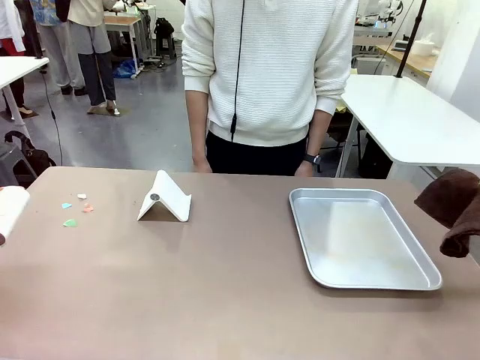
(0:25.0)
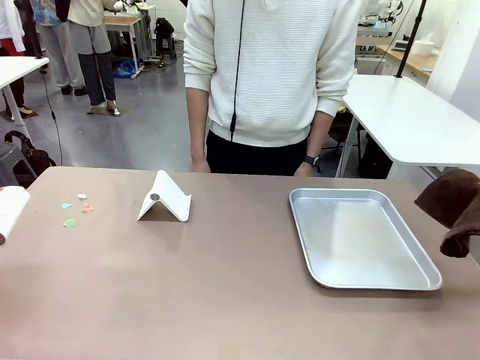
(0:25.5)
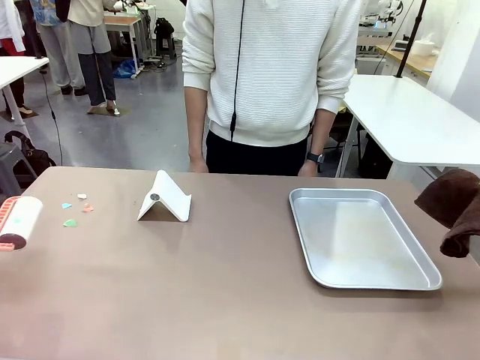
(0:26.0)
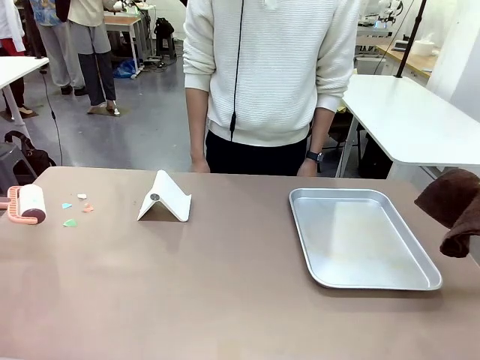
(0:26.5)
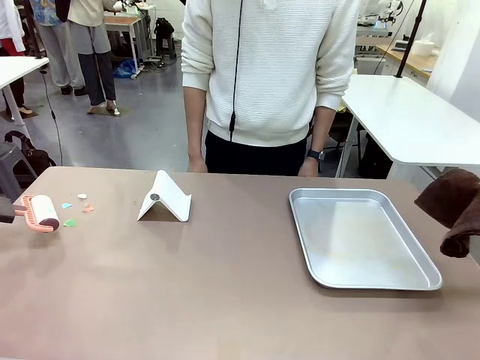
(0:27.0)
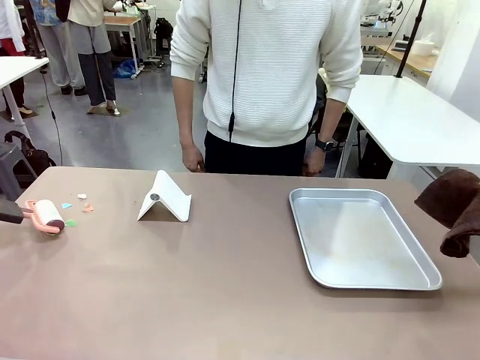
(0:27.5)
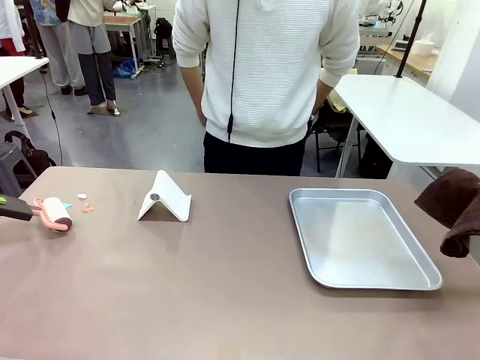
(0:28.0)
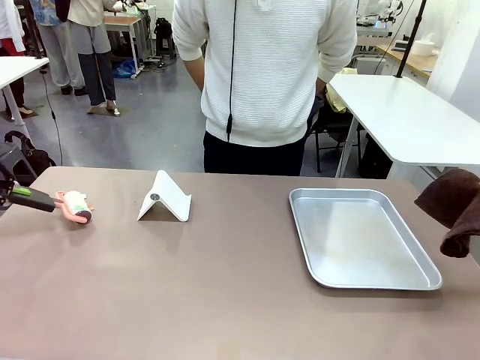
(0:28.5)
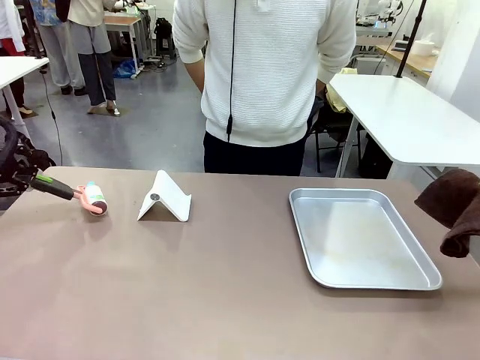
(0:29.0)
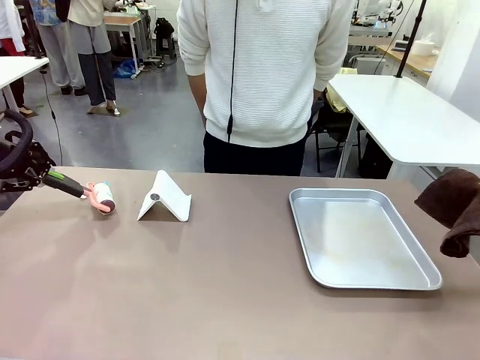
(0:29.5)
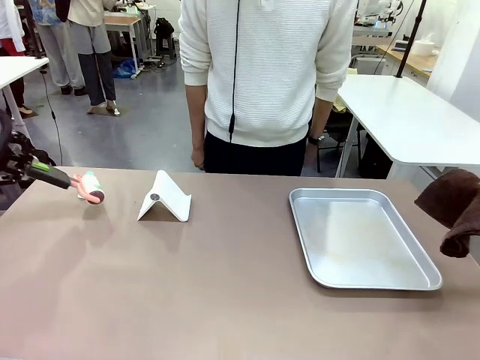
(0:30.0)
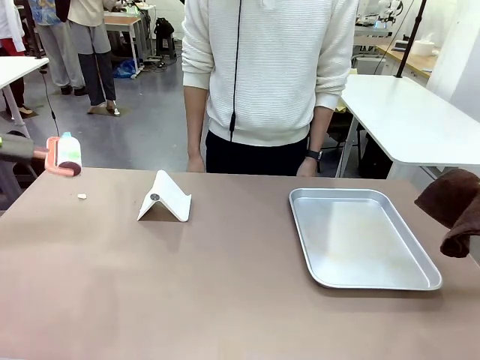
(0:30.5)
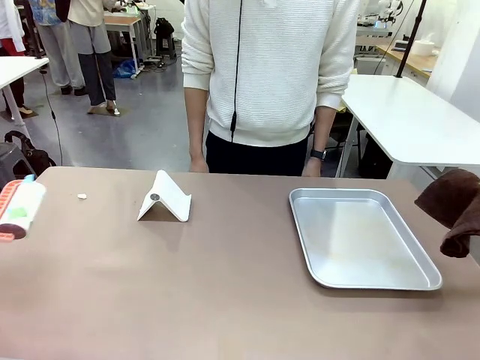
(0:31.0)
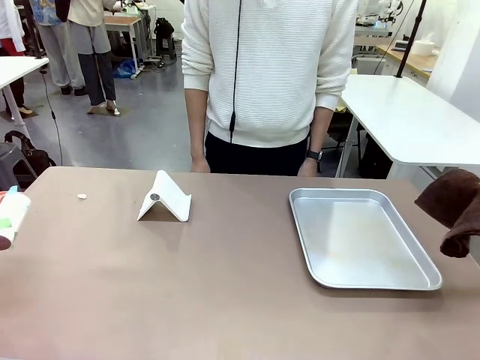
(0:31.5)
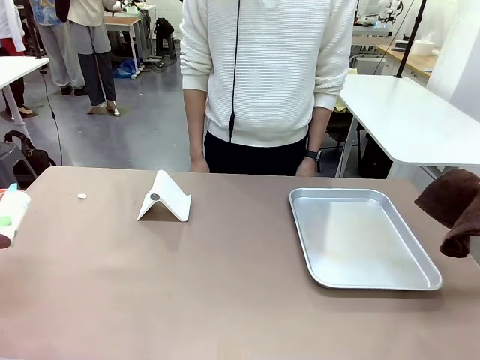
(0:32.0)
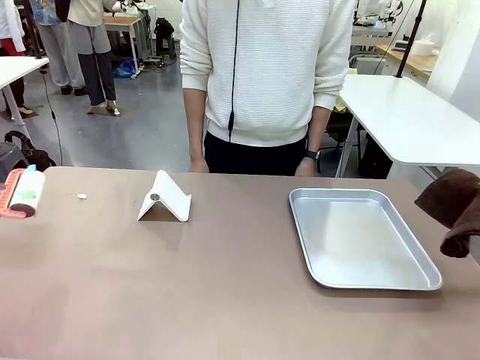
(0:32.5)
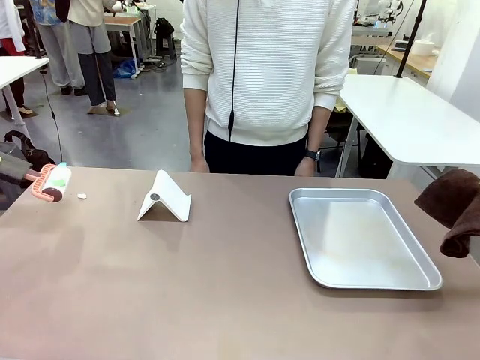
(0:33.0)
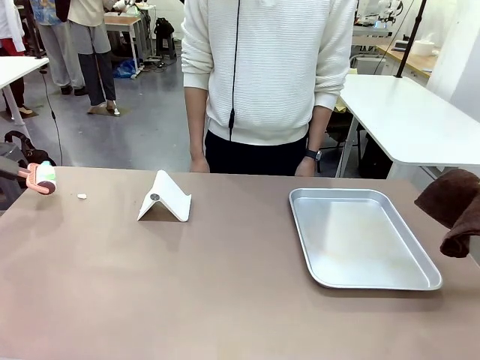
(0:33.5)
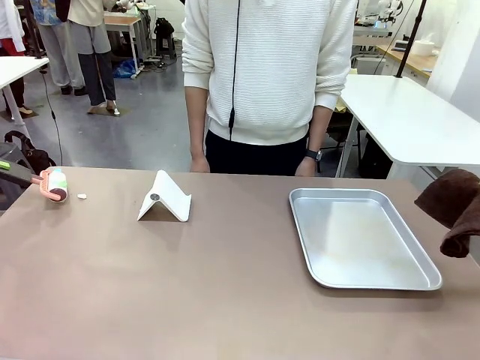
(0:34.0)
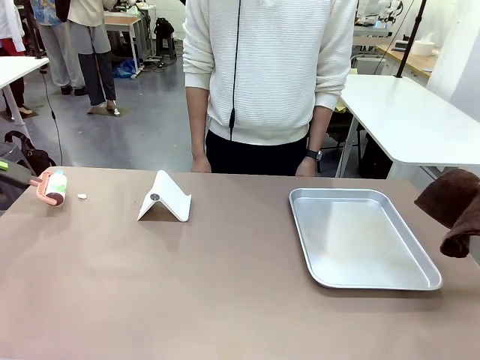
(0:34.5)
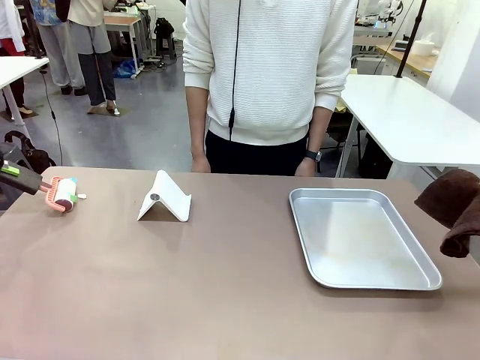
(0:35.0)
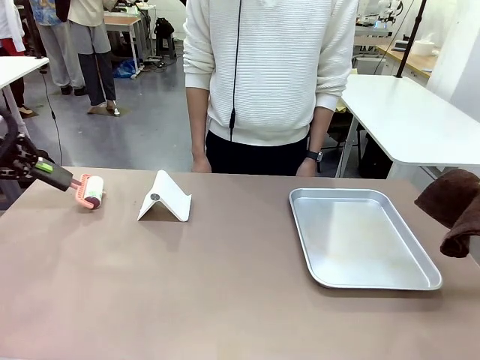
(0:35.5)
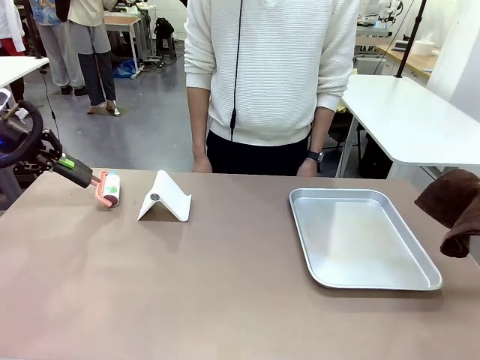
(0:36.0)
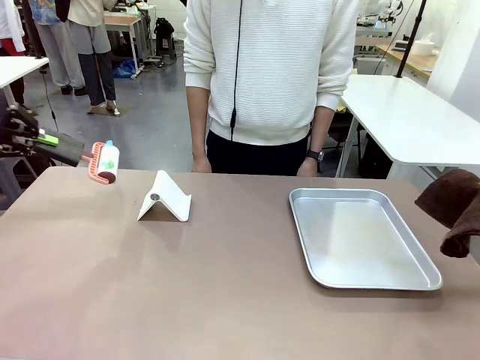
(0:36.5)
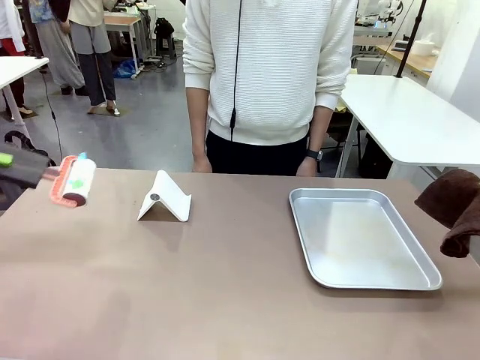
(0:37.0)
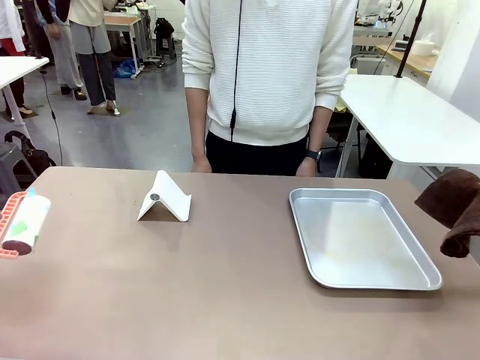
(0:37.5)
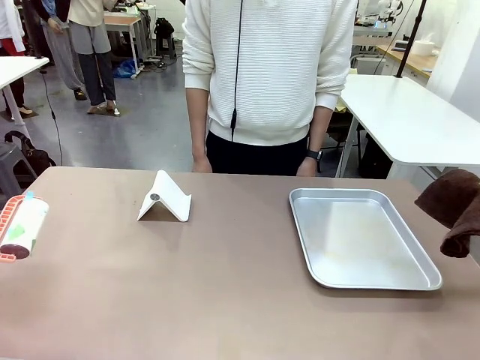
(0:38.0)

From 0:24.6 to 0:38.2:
Task: Clean the surface of the table.
Robot: Clean the area not pointed to by the person.

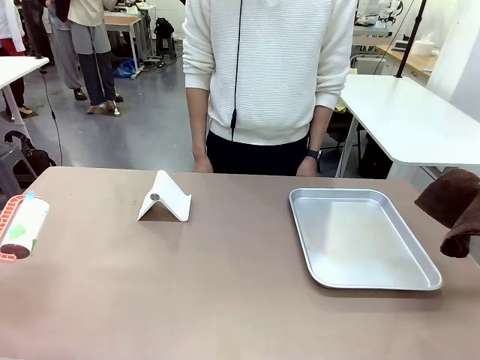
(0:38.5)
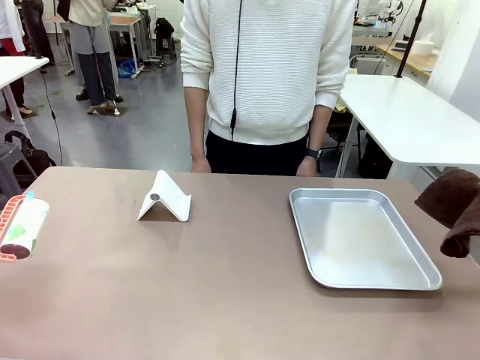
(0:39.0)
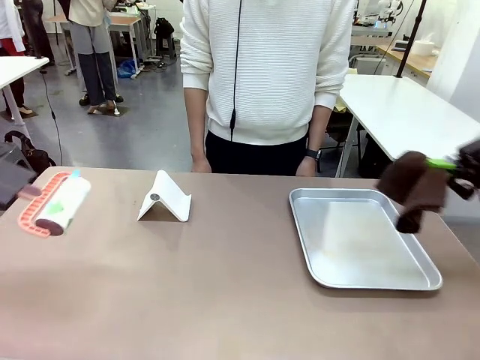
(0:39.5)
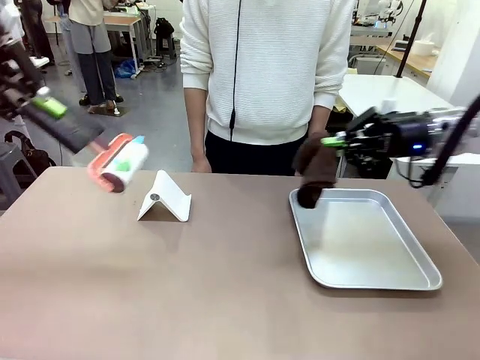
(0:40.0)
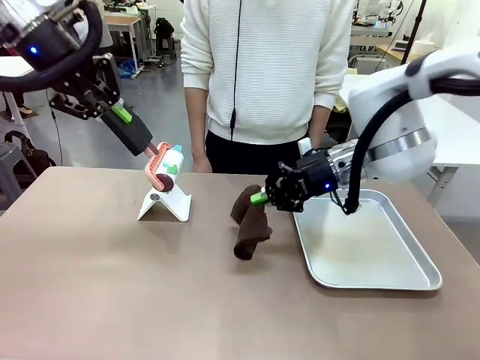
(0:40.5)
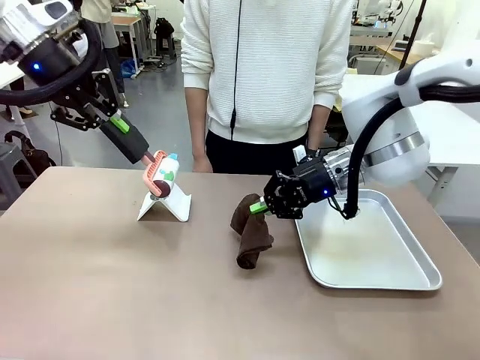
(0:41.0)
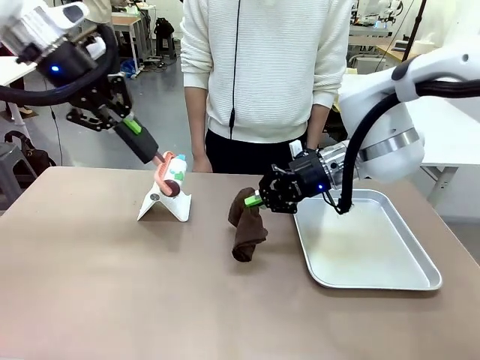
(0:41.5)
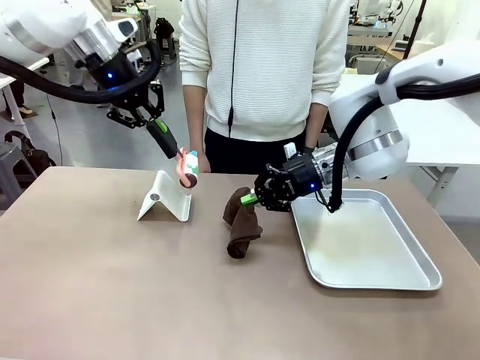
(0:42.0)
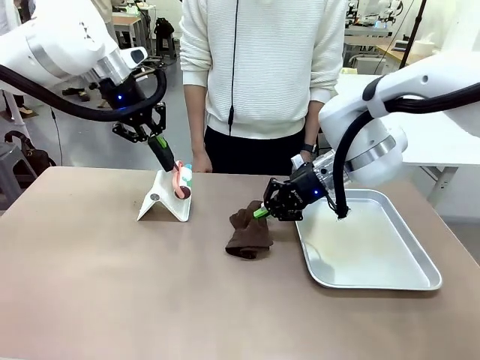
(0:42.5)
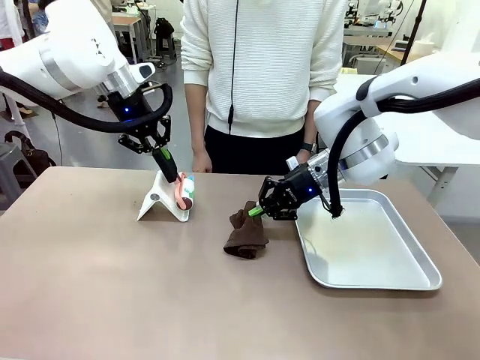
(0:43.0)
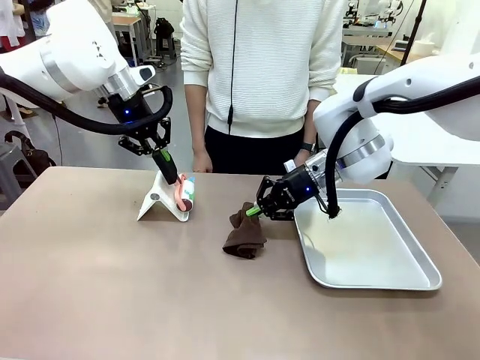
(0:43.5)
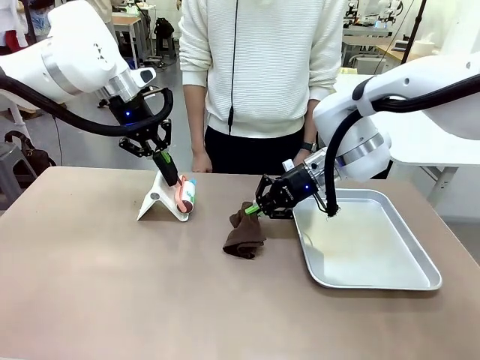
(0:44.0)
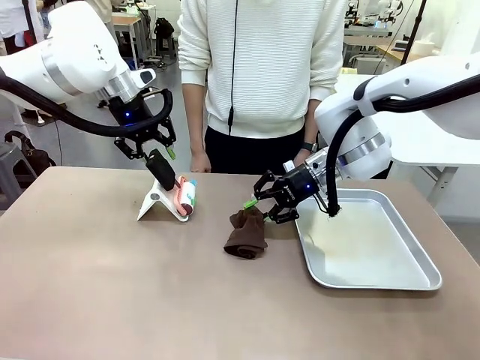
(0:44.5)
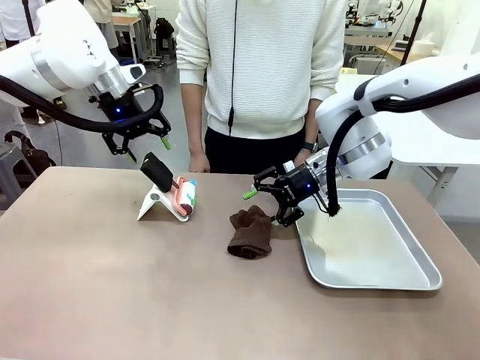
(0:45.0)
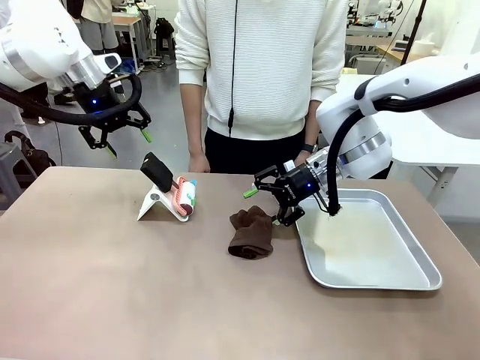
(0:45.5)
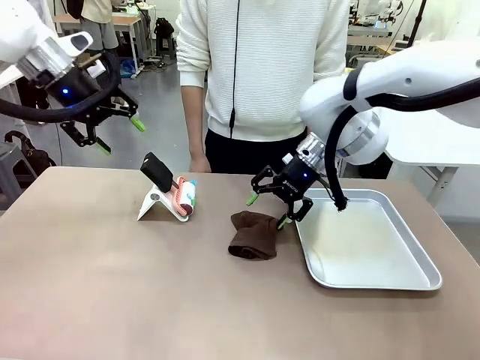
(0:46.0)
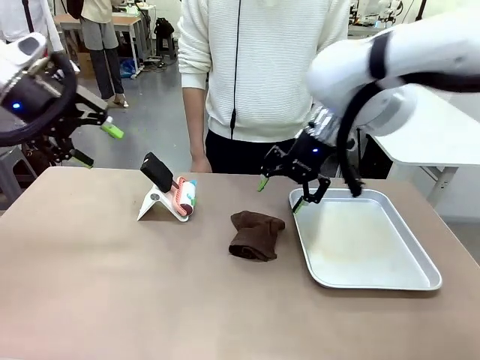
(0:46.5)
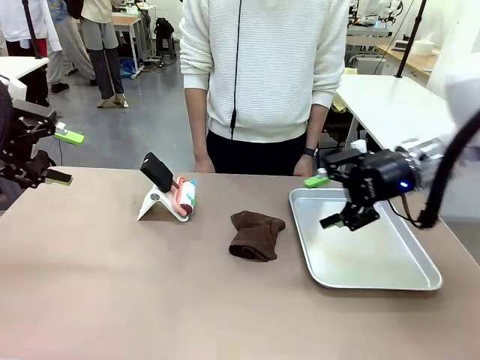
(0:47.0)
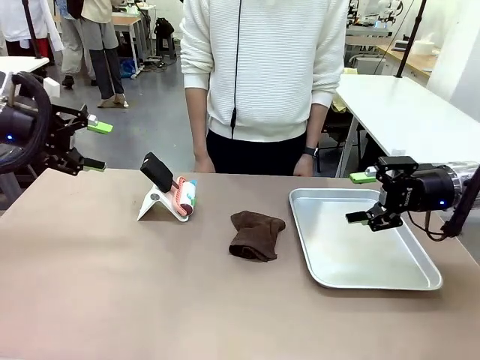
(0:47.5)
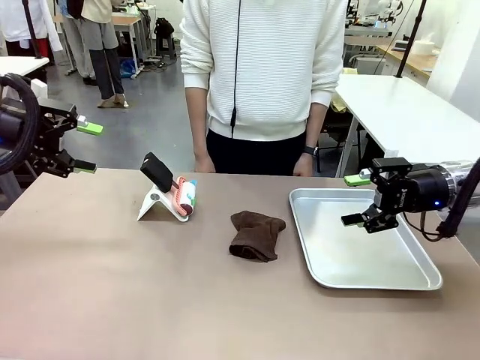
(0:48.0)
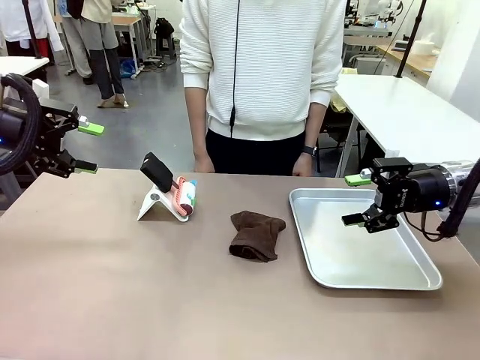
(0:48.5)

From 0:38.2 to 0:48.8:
Robot: Return the Lint Roller and towel to their original positions.

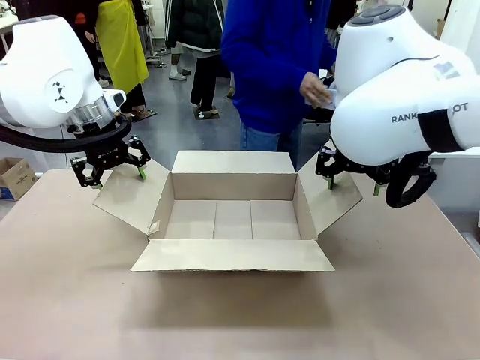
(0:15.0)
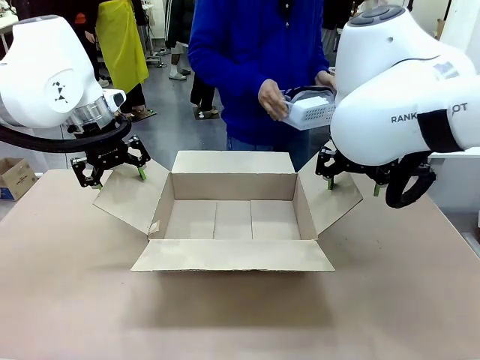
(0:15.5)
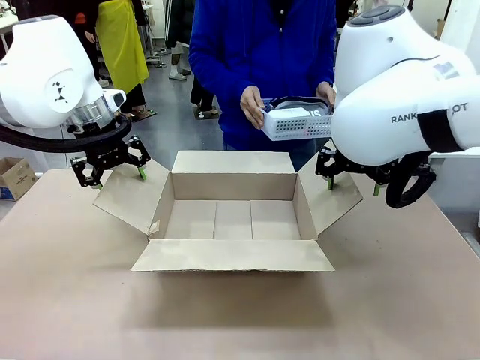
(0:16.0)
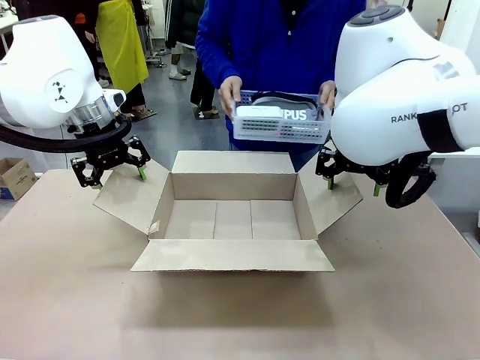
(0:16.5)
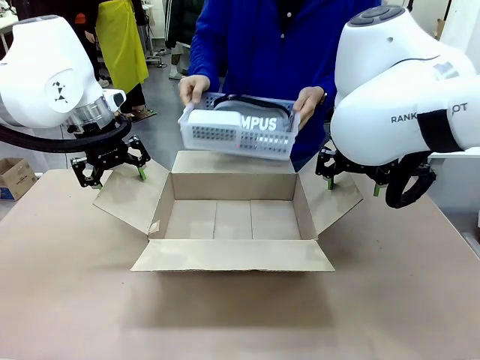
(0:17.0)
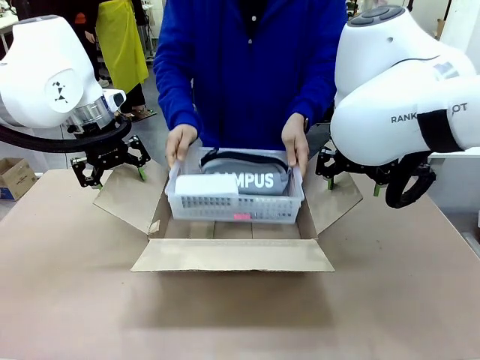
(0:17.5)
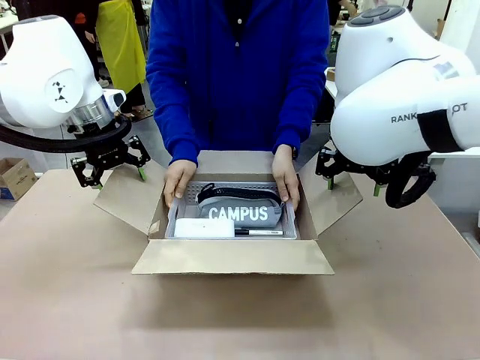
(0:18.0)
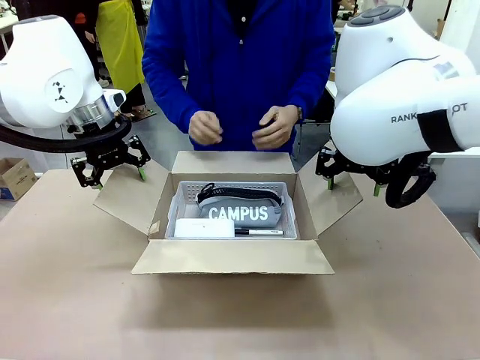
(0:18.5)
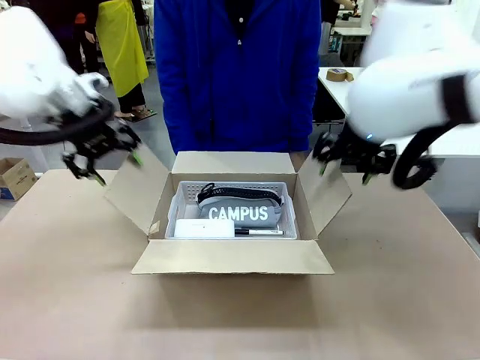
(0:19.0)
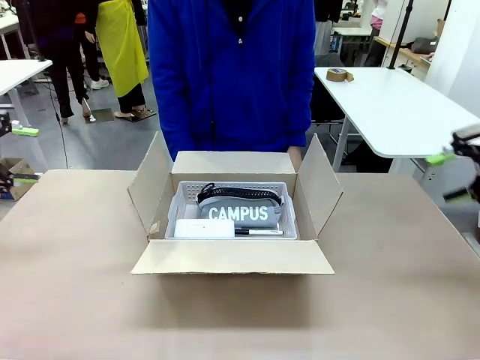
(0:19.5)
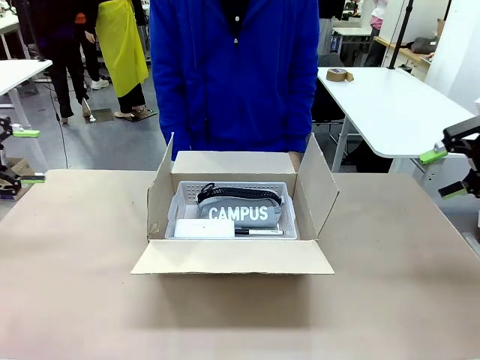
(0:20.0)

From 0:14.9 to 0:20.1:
Task: Pack the gift set into the box.
Robot: Lift both hands away from the flaps of the Package Box.
Person: The human picks up the organizing basket and places the organizing basket into the package box on the robot table.
